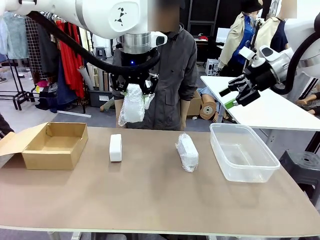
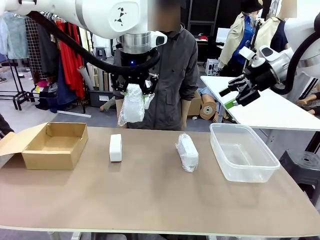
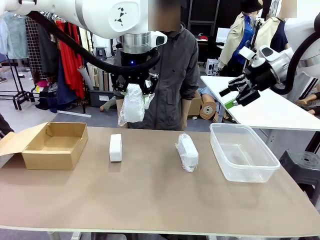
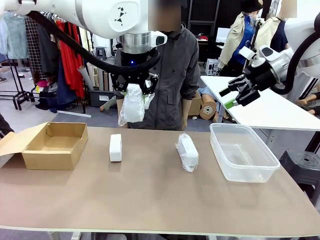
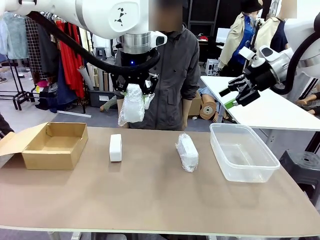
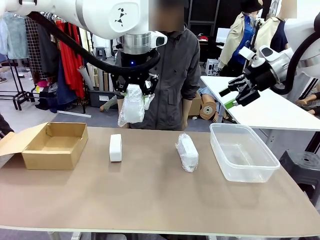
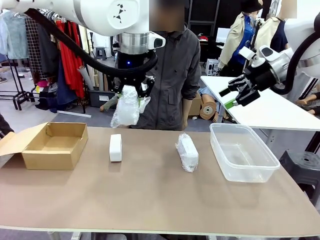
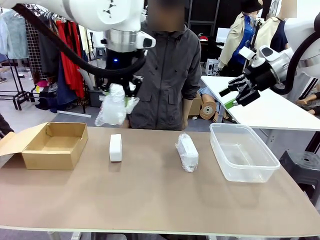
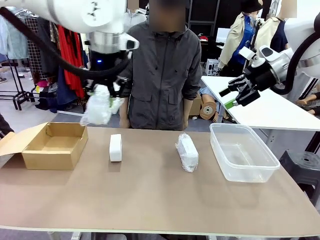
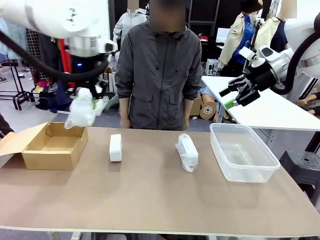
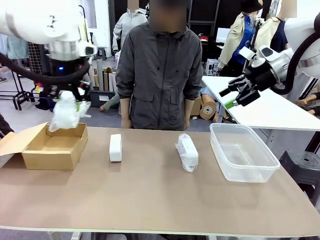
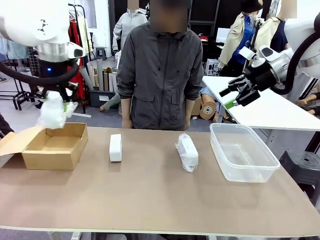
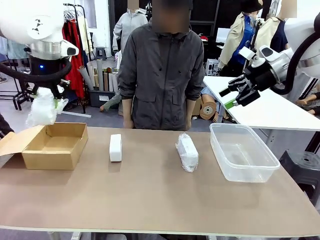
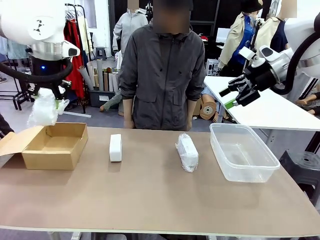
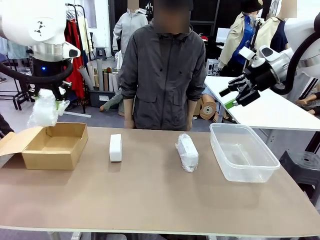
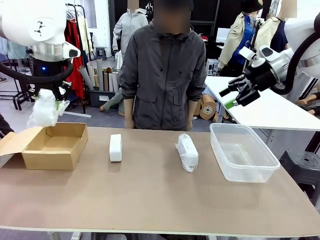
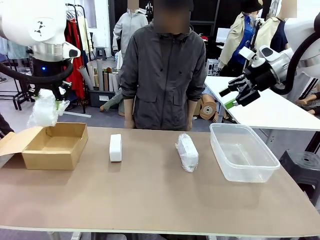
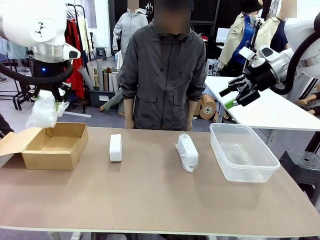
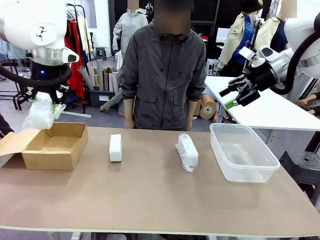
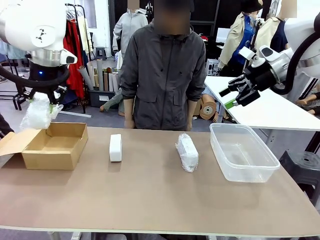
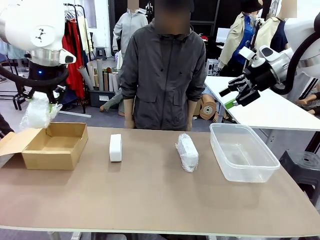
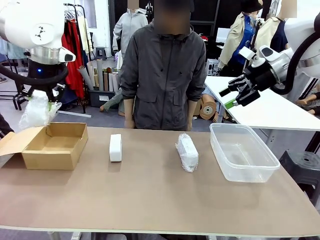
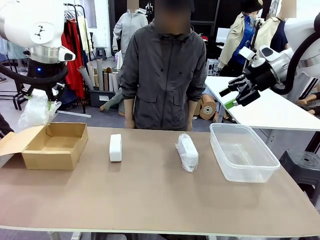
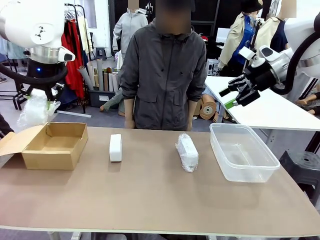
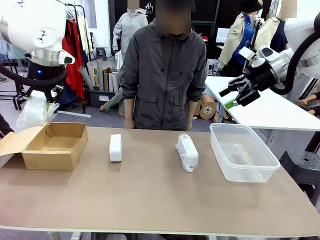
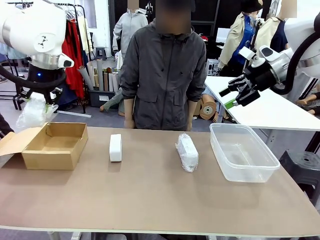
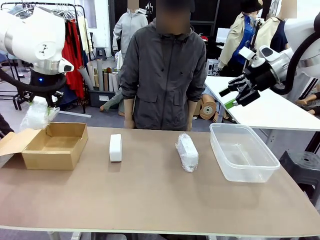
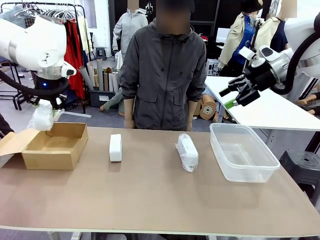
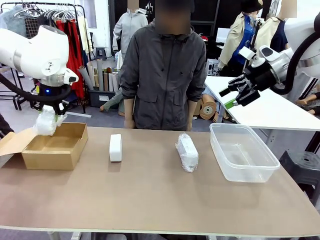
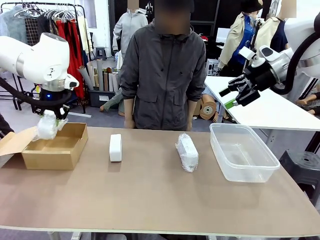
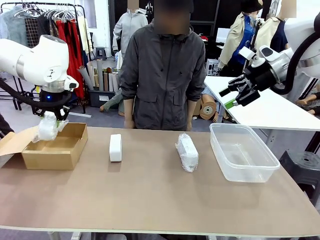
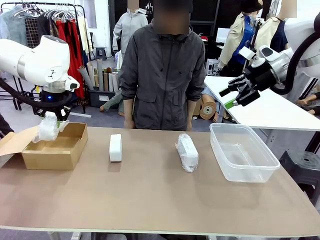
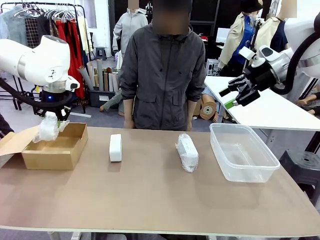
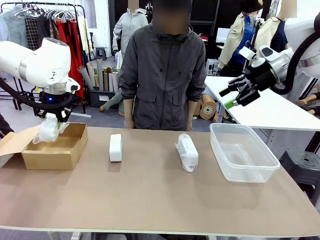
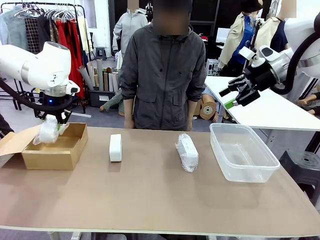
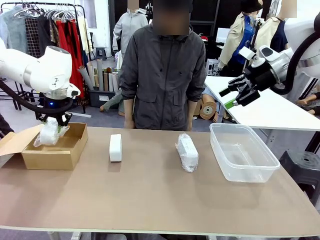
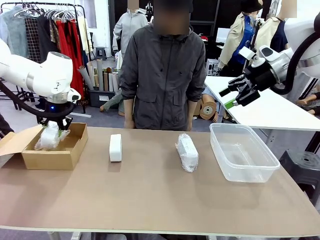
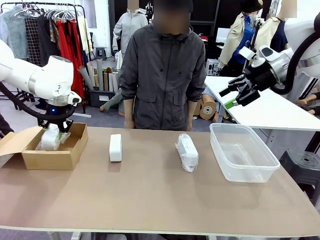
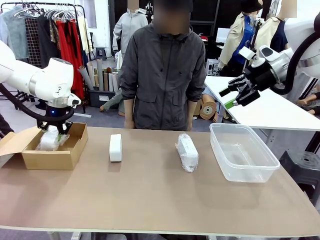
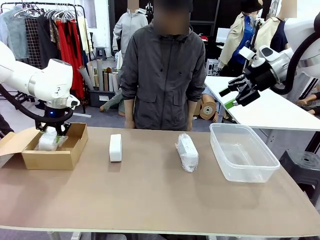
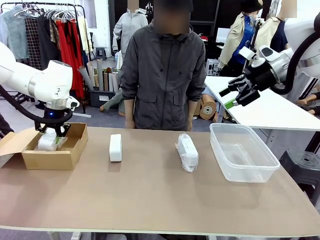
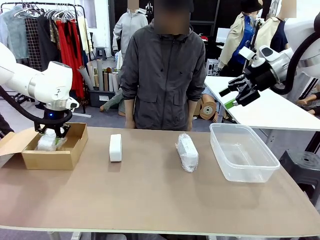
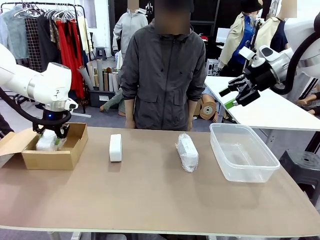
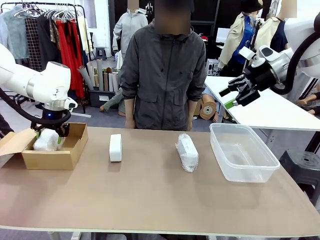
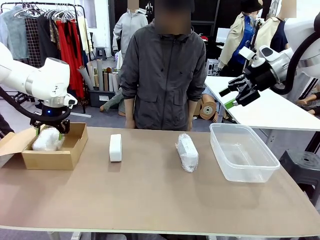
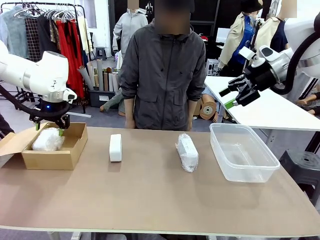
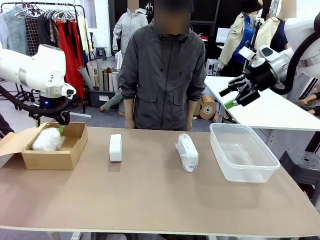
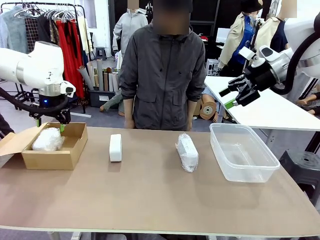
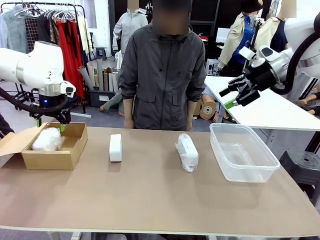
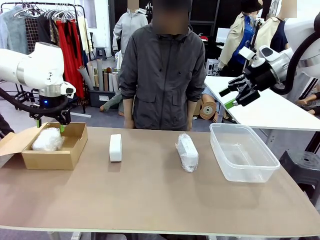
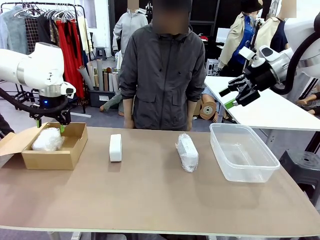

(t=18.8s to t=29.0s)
Task: Separate and place wrapped and unwrapped clocks.
Robot: If the picked Digital clock is wrapped, place it in the Package Box ; if not, place it in the Organizing box.

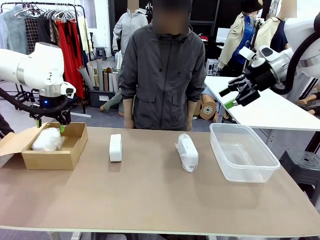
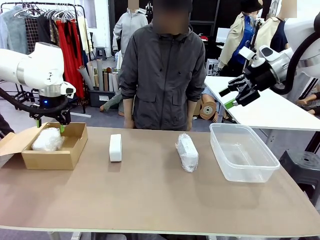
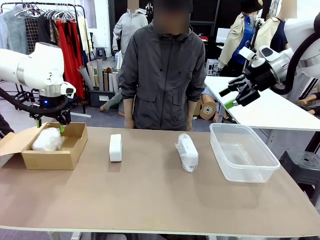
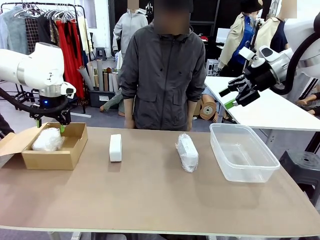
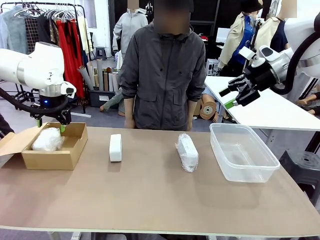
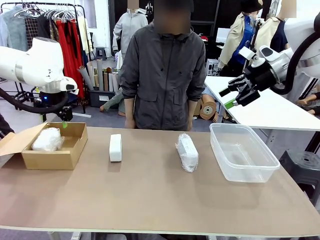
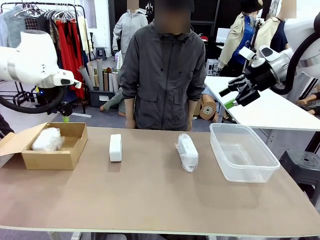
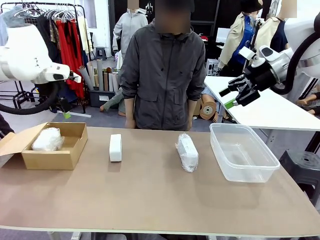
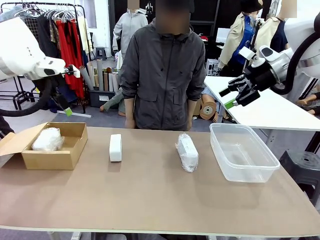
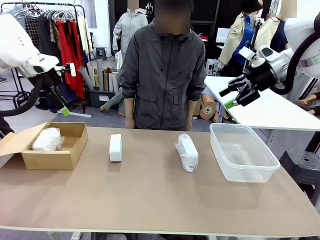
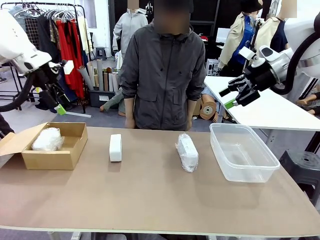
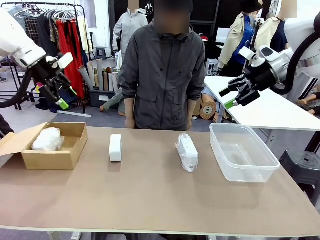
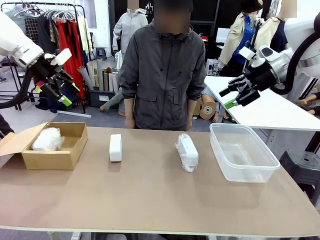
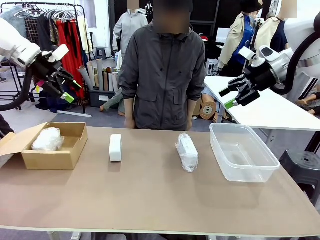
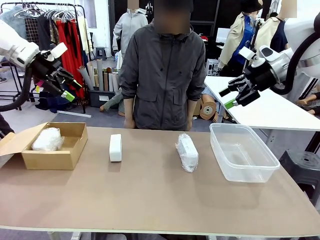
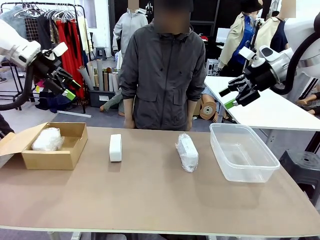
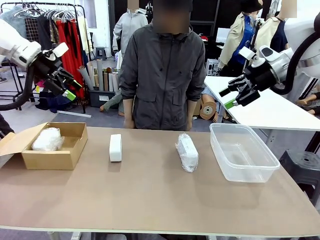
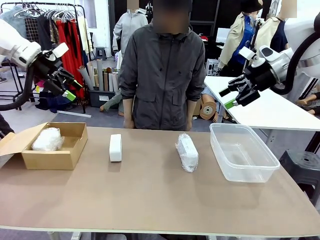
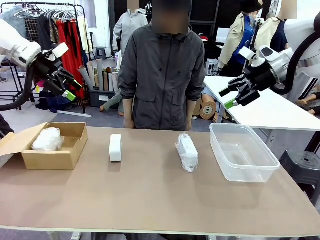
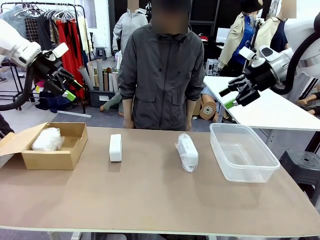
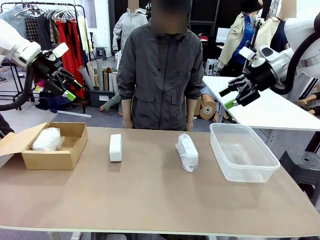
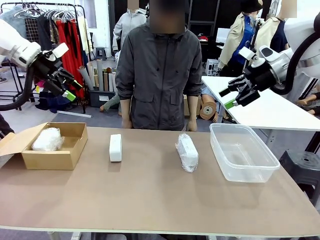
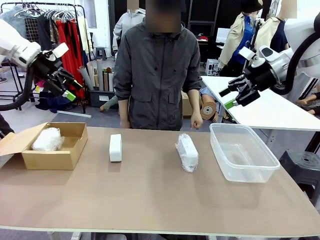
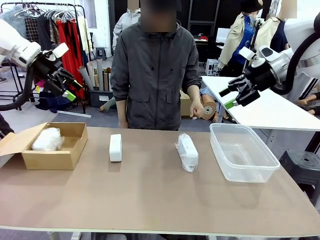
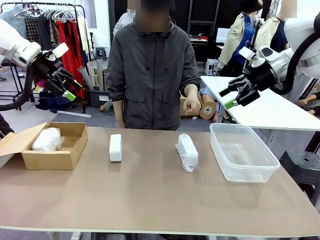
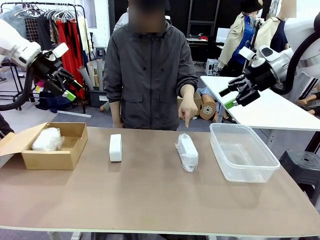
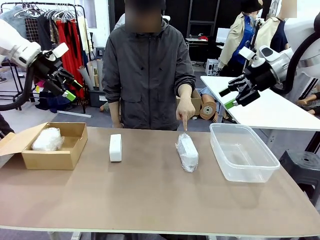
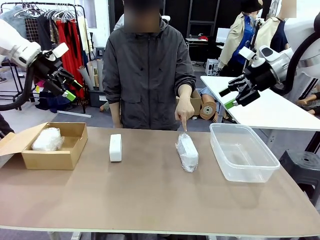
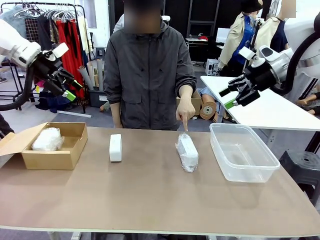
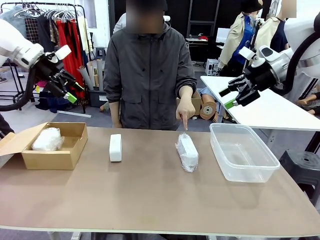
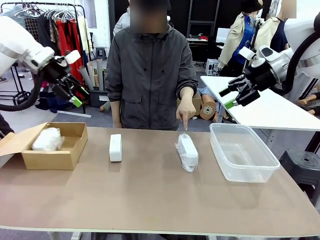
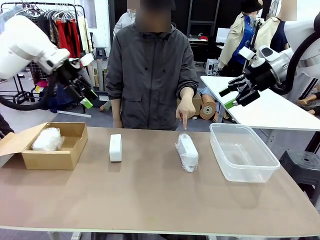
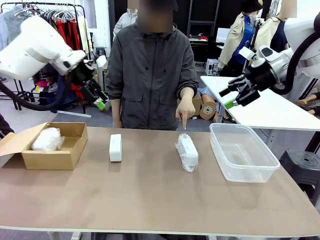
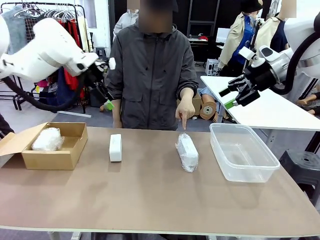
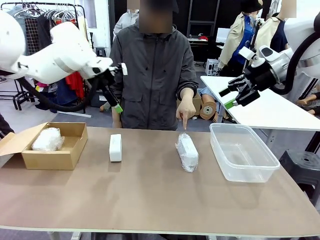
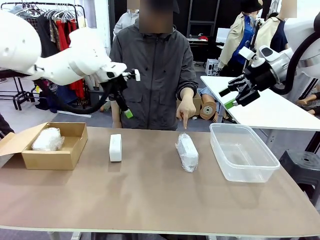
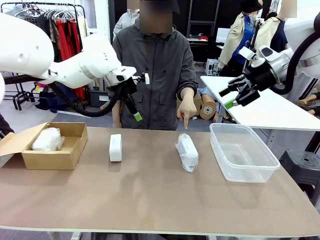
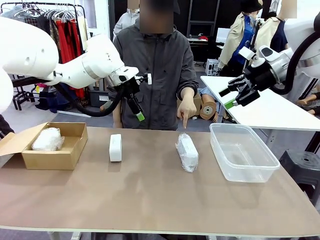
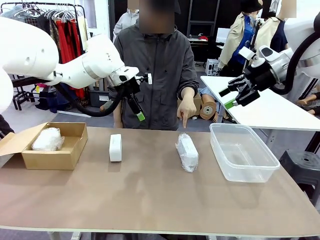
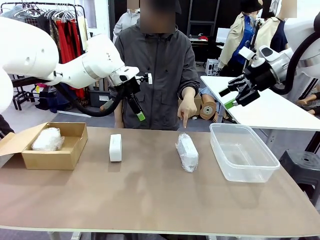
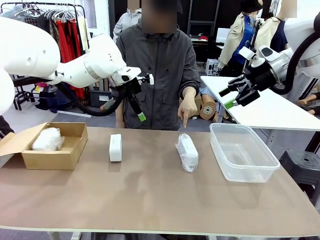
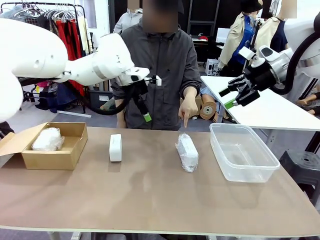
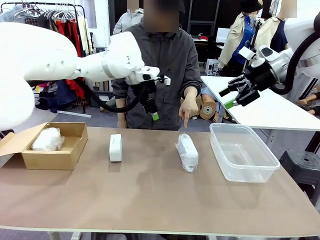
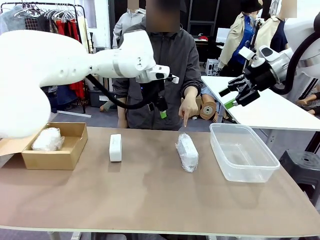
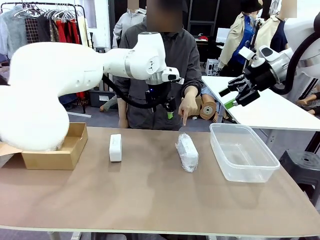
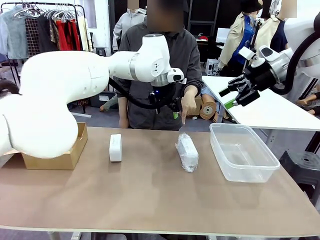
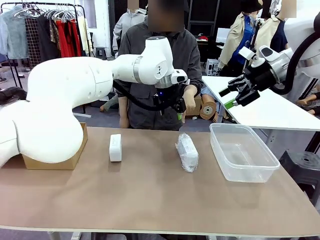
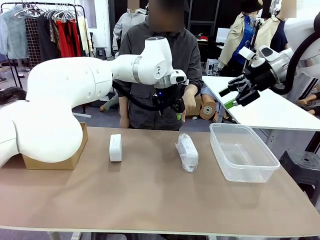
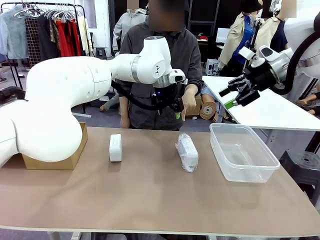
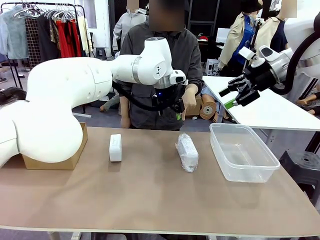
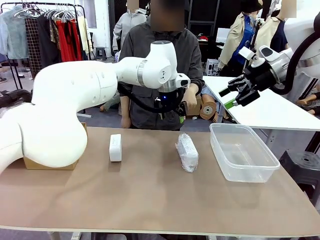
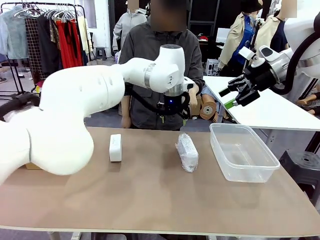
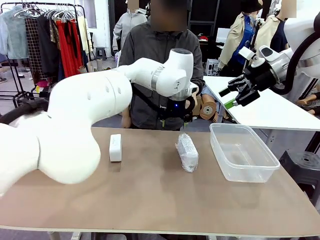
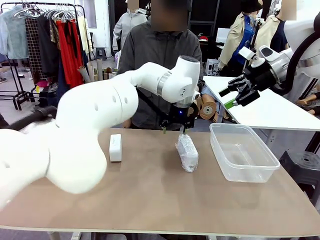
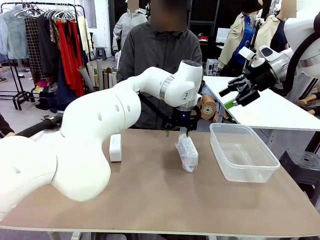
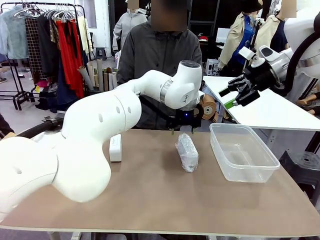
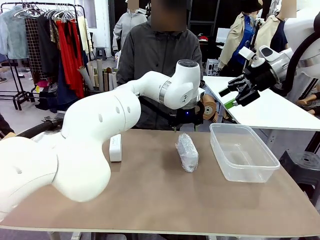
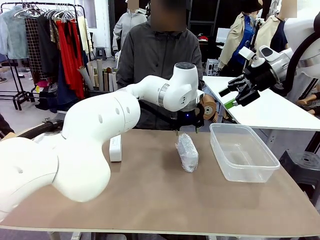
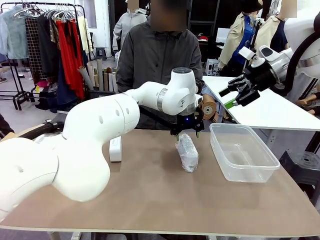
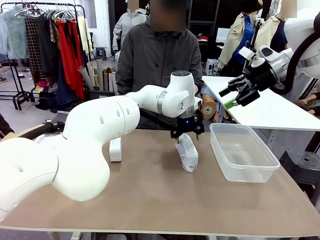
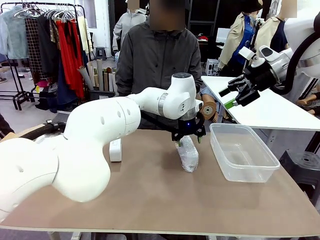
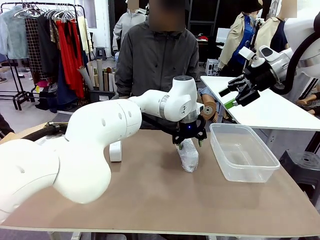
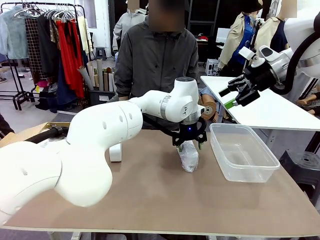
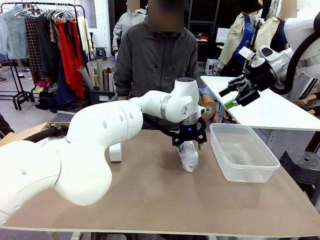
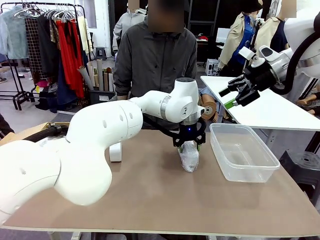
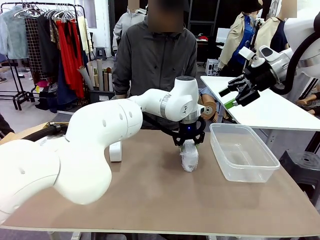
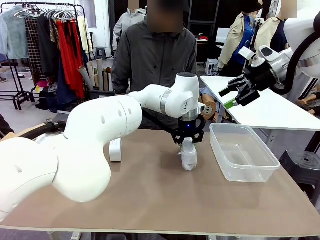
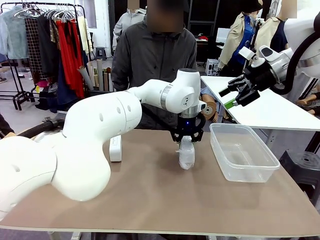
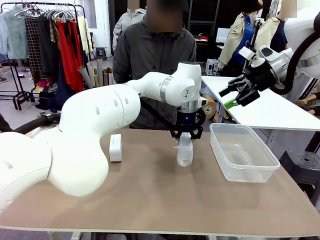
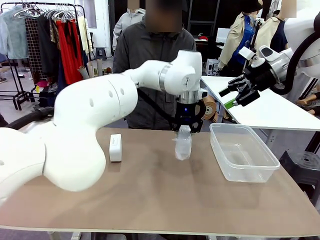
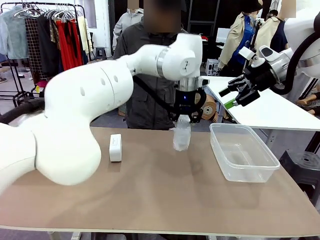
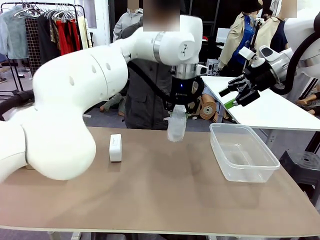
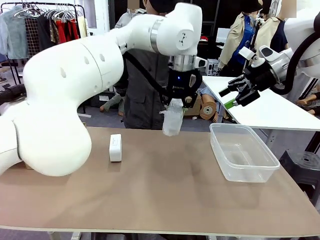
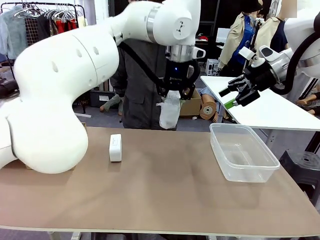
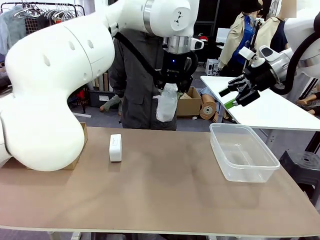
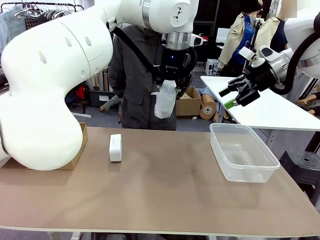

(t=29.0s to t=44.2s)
Robot: Pick up the Digital clock indicated by the person.
